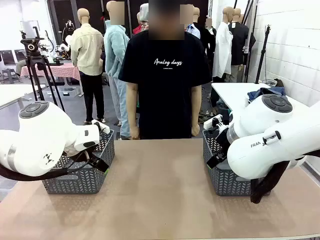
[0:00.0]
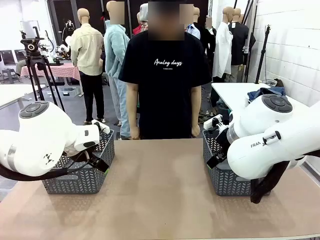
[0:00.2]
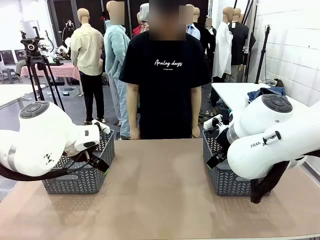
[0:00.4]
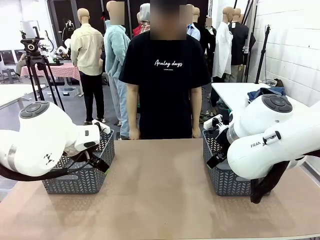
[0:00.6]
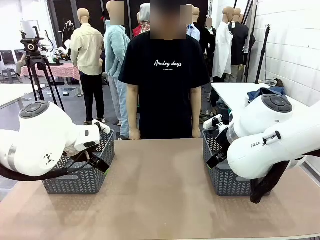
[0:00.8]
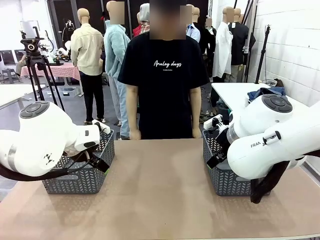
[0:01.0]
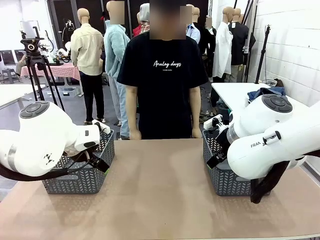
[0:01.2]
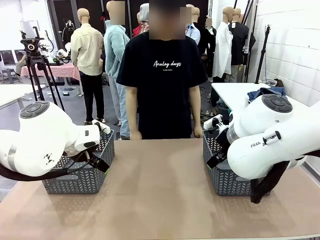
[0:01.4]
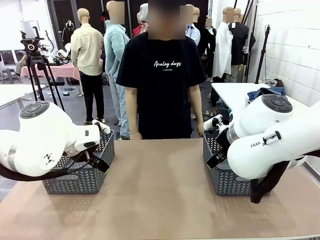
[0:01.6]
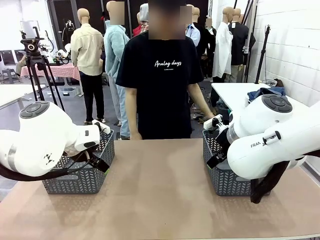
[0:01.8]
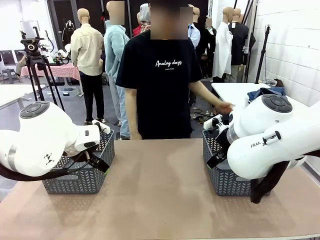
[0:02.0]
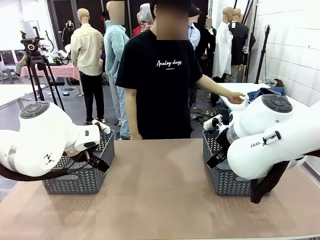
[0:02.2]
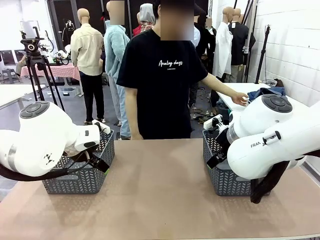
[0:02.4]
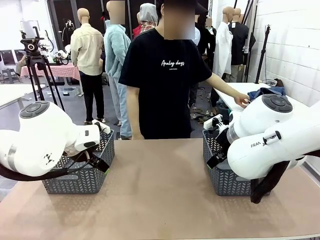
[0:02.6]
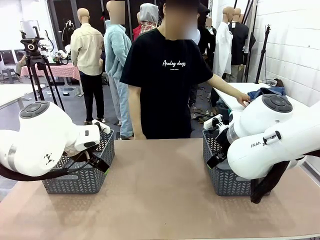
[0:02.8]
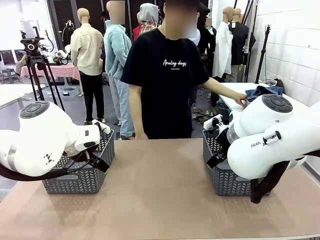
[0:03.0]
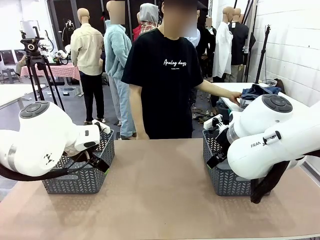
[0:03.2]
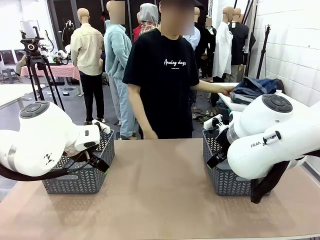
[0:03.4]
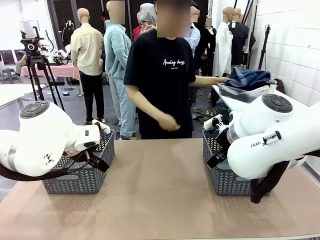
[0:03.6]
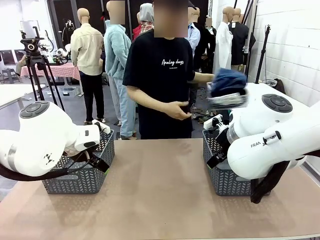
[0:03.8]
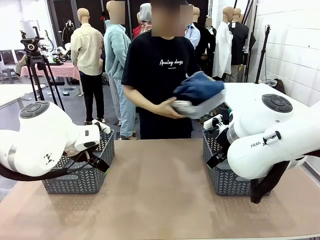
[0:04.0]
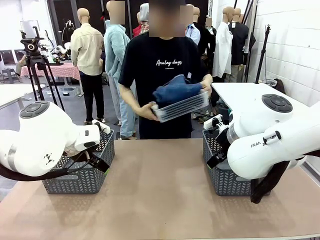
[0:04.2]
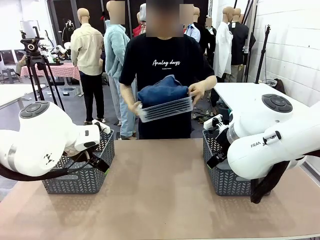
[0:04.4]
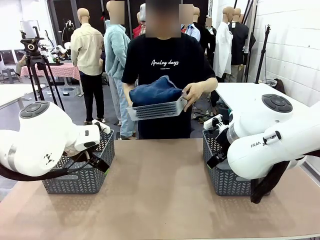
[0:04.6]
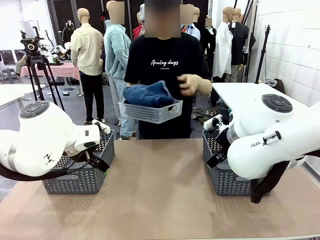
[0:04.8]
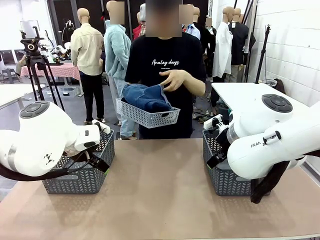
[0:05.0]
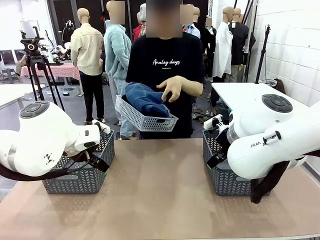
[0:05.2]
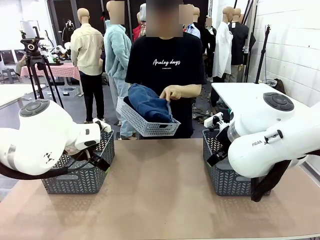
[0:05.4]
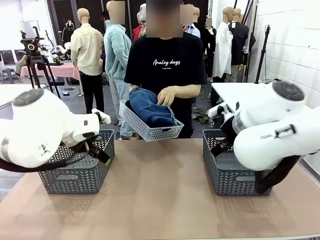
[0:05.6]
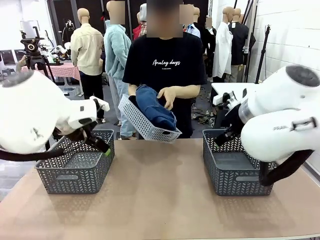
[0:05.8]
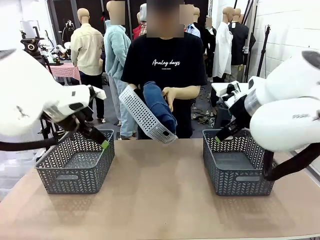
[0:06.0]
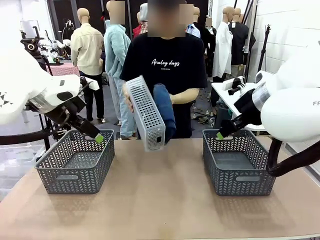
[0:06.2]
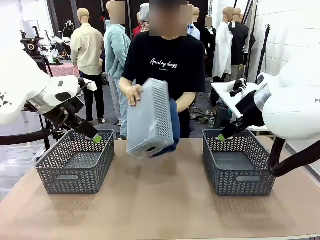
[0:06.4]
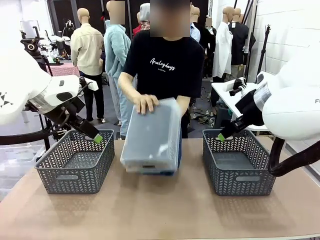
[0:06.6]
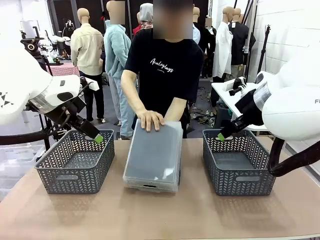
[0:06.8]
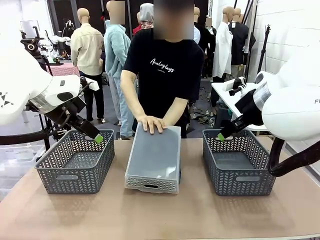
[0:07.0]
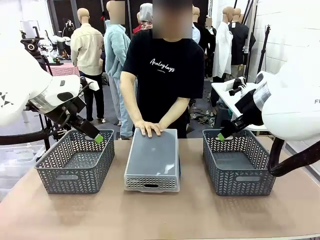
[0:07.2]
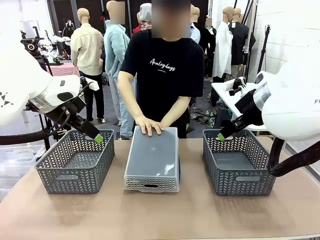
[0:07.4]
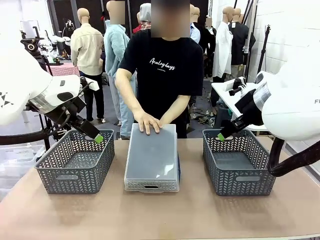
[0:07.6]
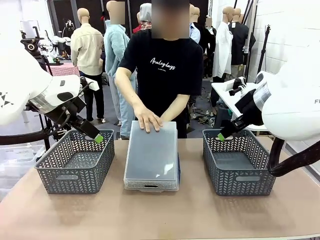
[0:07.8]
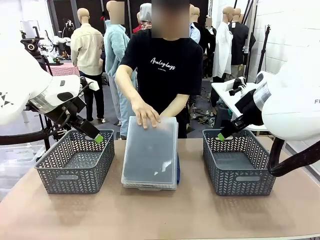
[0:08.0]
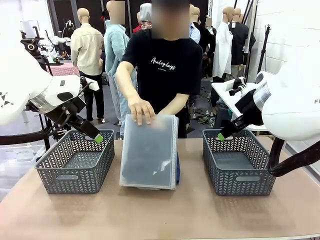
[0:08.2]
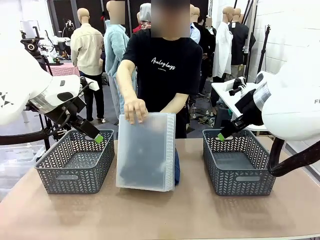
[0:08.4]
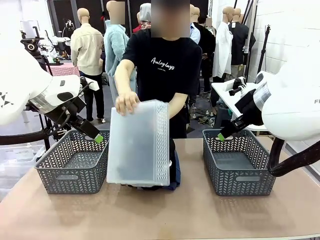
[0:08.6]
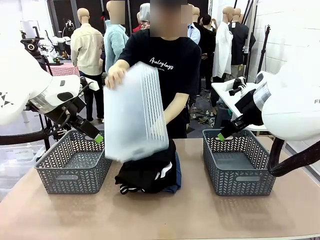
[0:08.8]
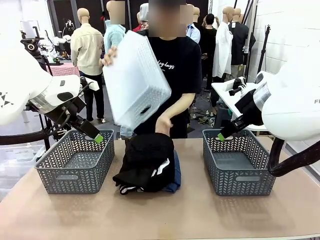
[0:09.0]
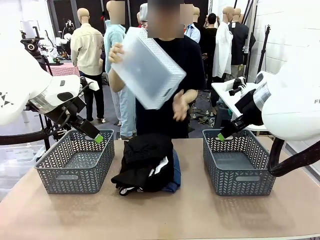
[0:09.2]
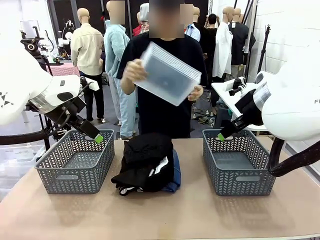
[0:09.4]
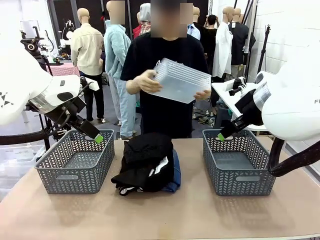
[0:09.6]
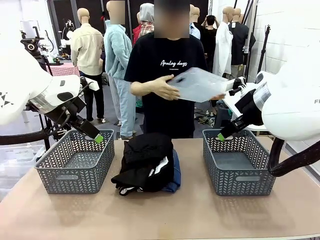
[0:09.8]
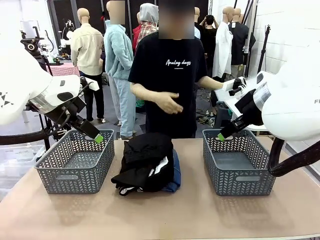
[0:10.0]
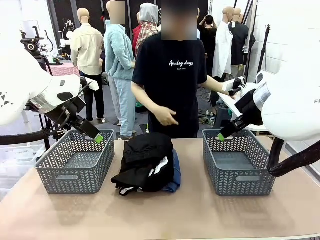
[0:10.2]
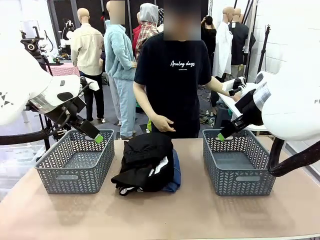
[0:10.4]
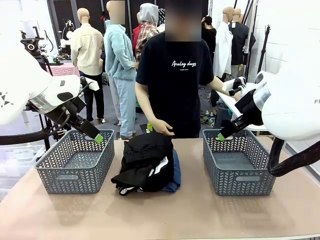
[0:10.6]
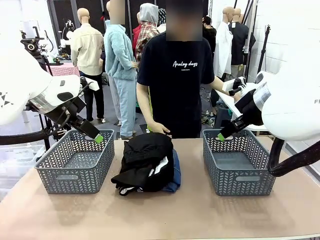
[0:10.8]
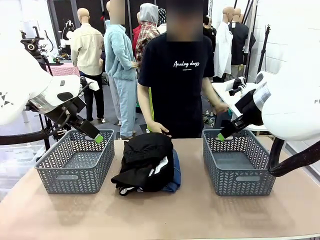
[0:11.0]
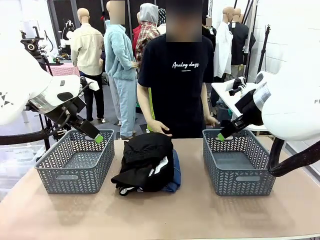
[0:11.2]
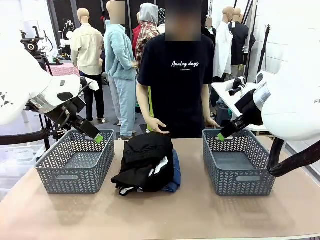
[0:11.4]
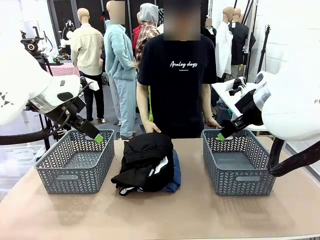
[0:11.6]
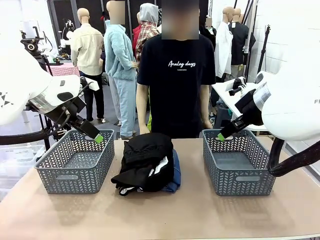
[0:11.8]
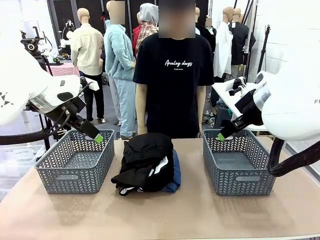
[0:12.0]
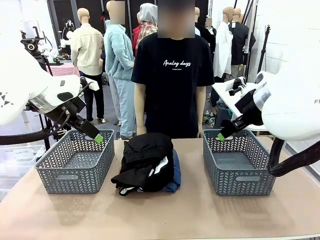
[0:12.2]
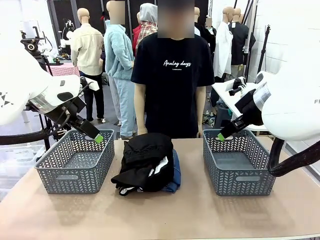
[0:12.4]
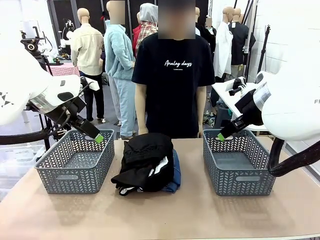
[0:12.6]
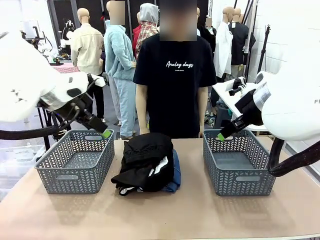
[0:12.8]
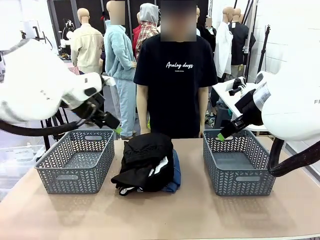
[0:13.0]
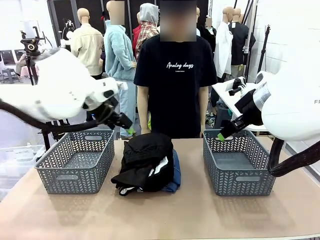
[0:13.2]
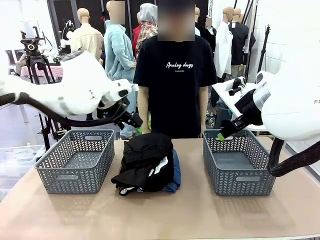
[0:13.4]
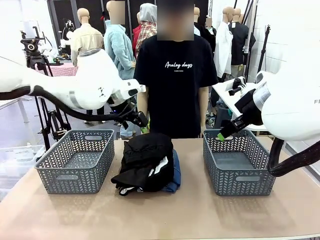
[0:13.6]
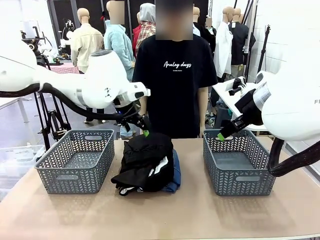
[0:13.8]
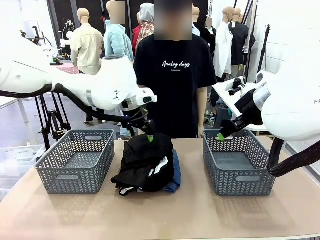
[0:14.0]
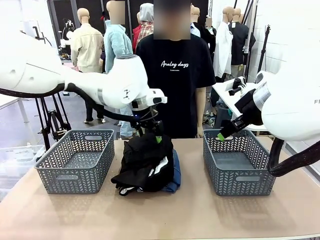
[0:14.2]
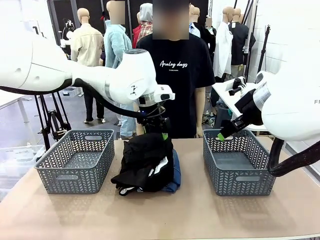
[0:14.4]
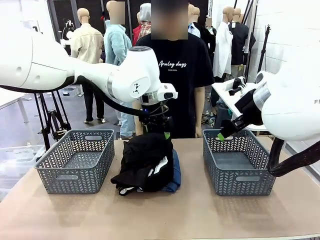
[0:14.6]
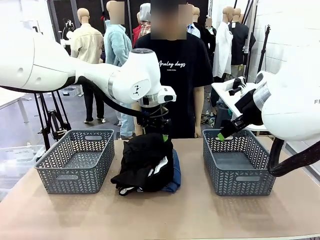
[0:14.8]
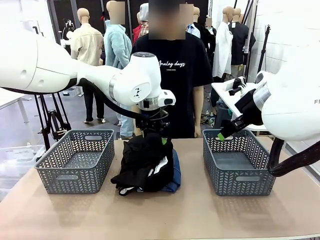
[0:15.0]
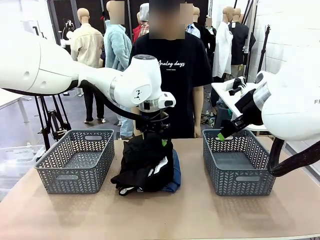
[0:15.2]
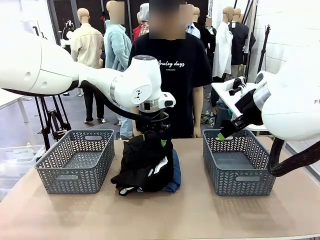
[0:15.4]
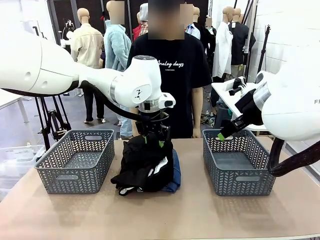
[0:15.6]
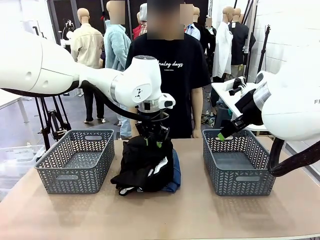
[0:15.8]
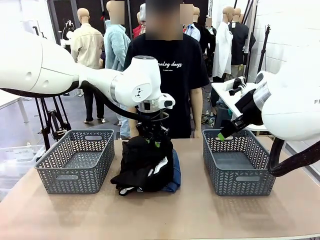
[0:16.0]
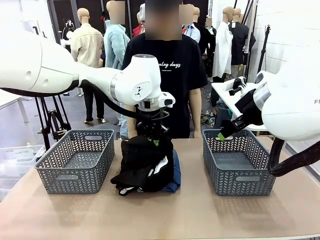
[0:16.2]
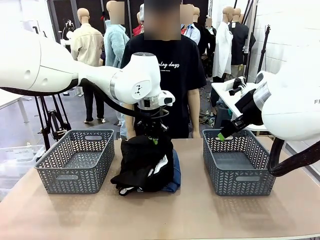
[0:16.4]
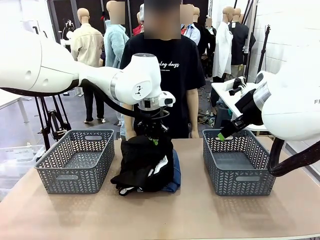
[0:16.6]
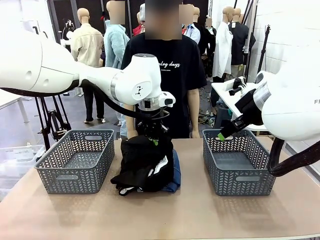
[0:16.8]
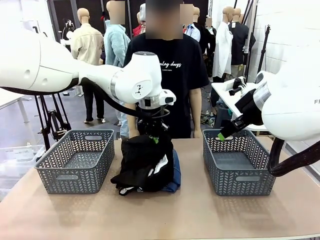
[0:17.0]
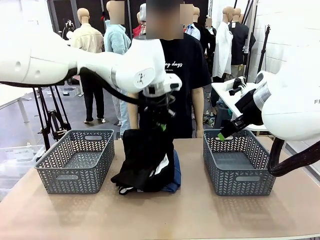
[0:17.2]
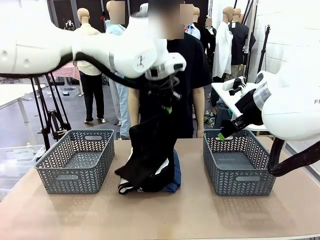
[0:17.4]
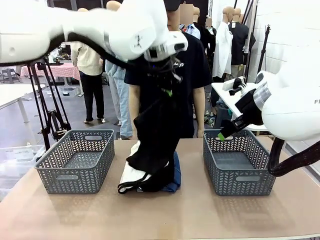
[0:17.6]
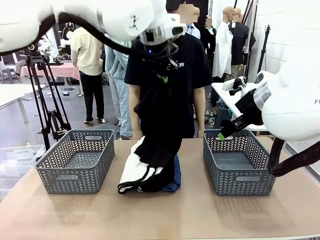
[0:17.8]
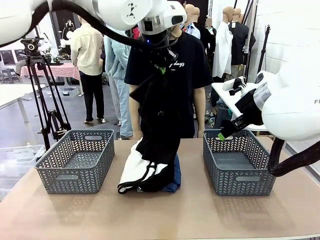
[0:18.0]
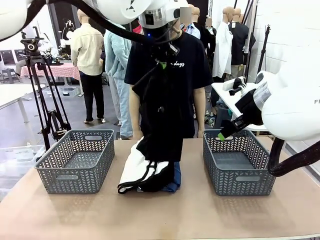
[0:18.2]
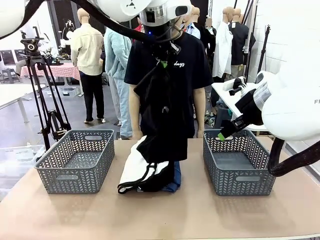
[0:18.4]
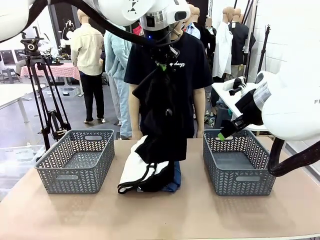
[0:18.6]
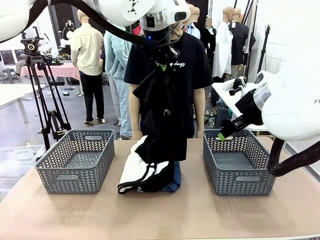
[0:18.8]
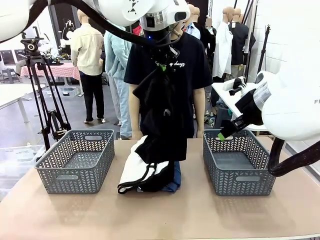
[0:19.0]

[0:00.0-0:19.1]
Task: Sort the tops and bottoms.
Robot: Lift clothes from the center of the table with your left hand.
Person: Pour the clothes from the basket onto the center of the robot table.
